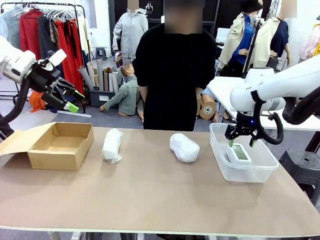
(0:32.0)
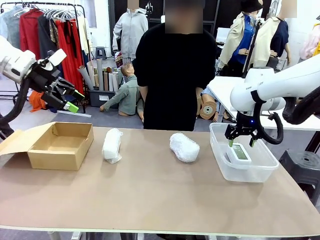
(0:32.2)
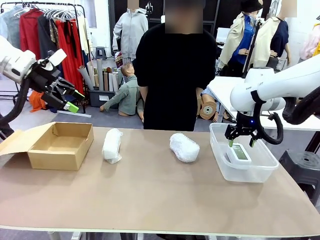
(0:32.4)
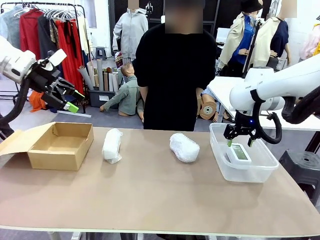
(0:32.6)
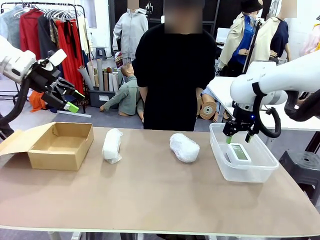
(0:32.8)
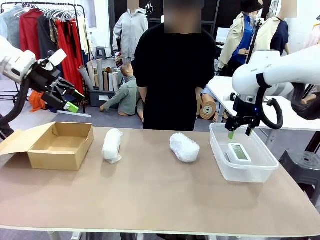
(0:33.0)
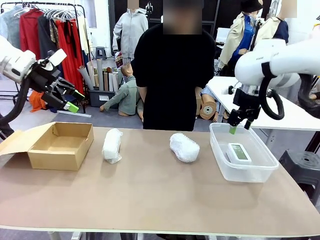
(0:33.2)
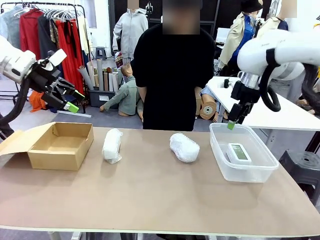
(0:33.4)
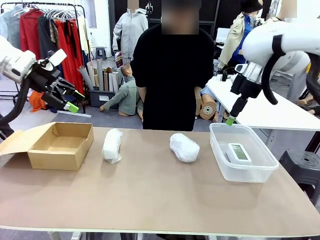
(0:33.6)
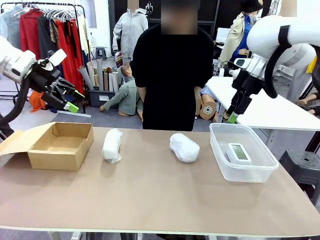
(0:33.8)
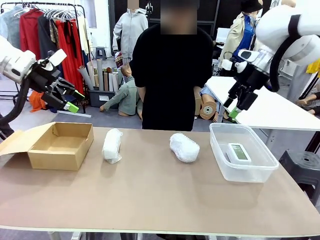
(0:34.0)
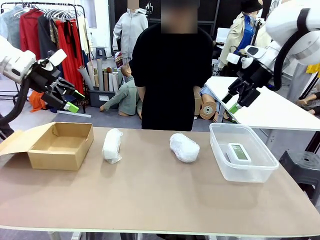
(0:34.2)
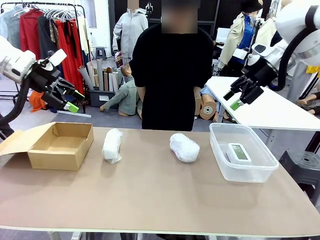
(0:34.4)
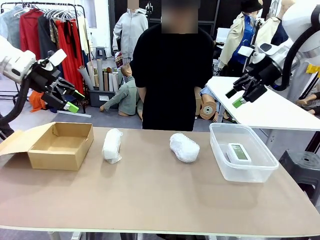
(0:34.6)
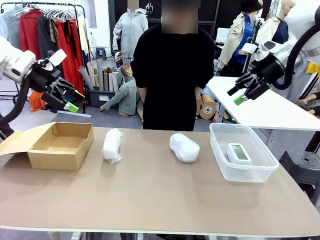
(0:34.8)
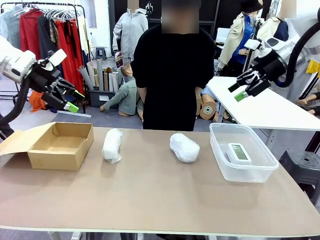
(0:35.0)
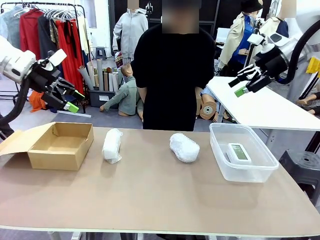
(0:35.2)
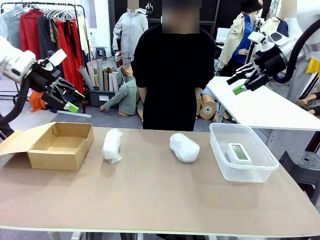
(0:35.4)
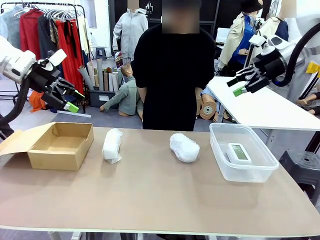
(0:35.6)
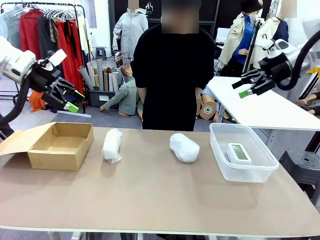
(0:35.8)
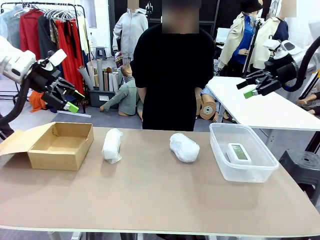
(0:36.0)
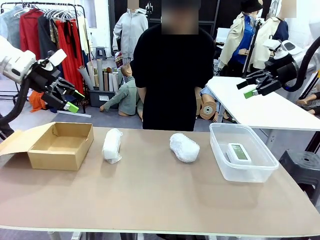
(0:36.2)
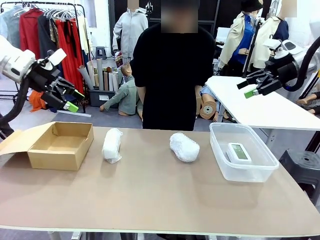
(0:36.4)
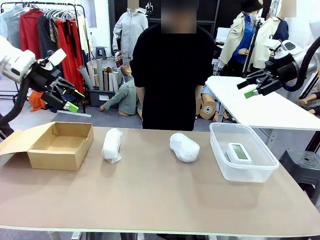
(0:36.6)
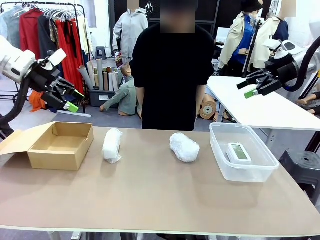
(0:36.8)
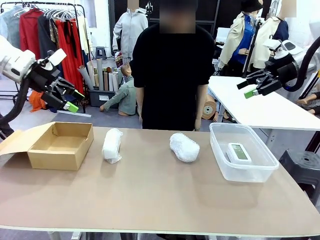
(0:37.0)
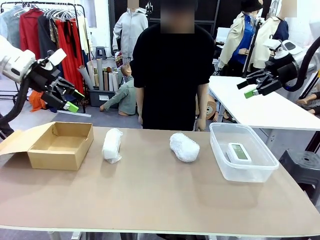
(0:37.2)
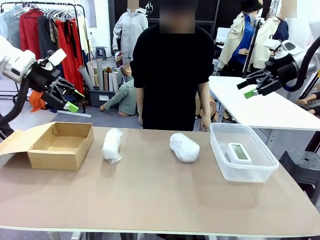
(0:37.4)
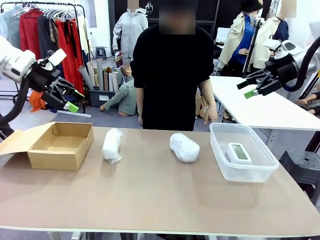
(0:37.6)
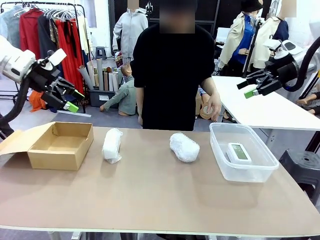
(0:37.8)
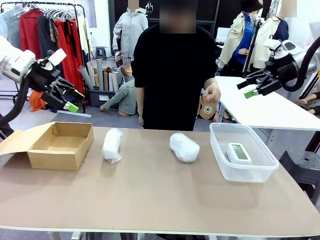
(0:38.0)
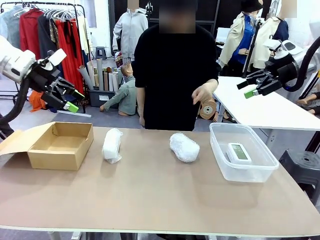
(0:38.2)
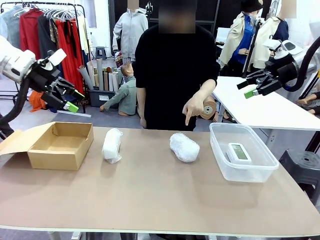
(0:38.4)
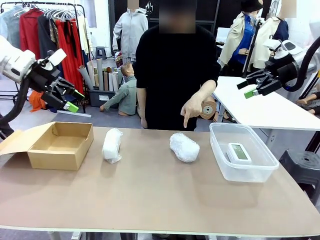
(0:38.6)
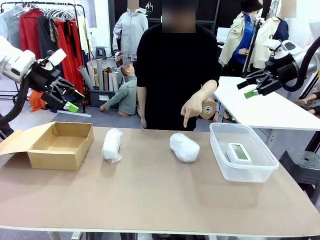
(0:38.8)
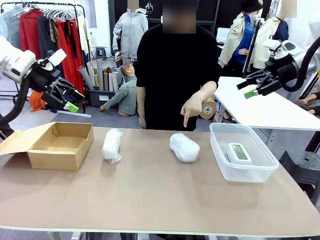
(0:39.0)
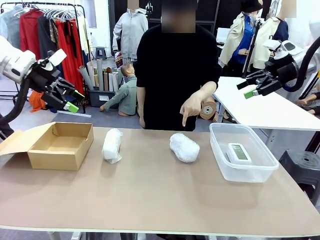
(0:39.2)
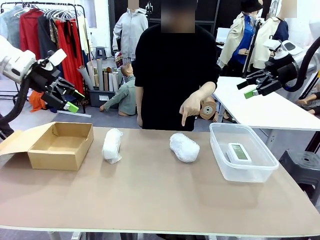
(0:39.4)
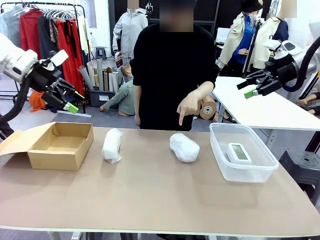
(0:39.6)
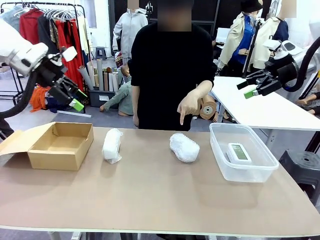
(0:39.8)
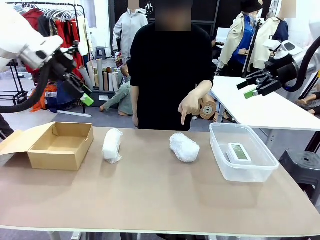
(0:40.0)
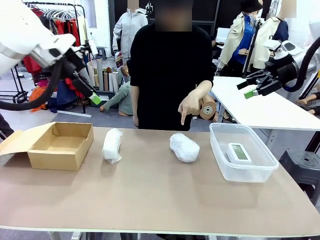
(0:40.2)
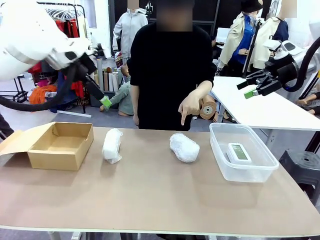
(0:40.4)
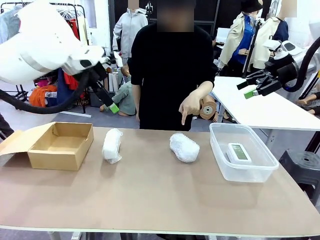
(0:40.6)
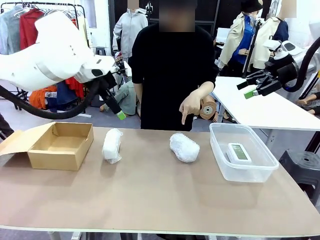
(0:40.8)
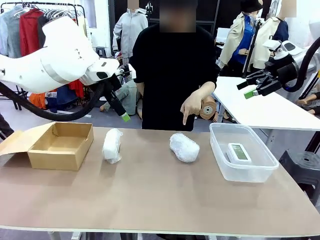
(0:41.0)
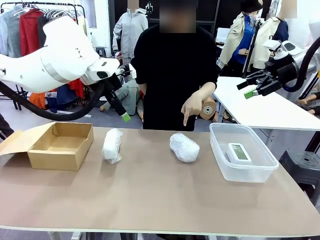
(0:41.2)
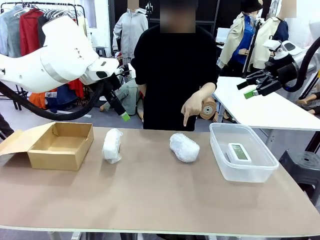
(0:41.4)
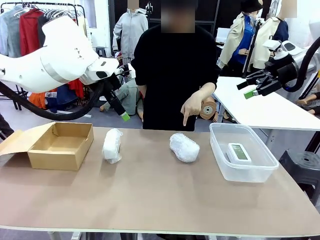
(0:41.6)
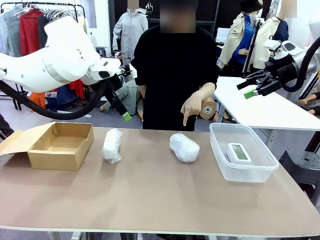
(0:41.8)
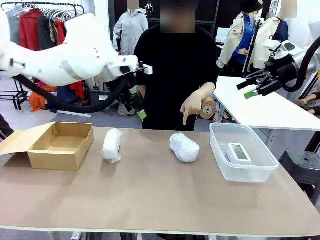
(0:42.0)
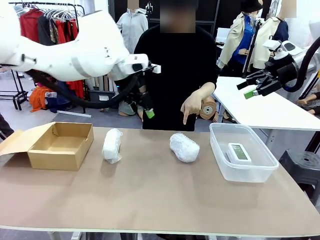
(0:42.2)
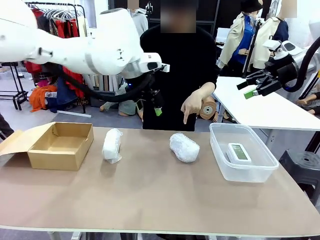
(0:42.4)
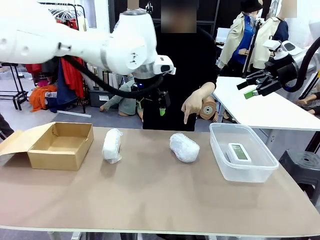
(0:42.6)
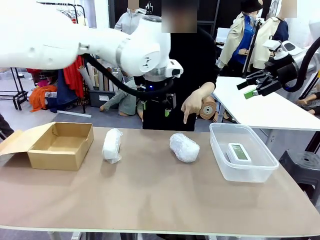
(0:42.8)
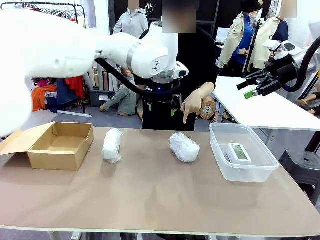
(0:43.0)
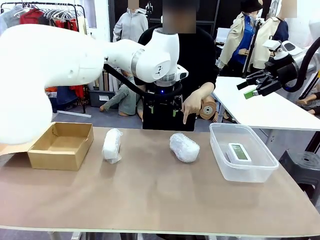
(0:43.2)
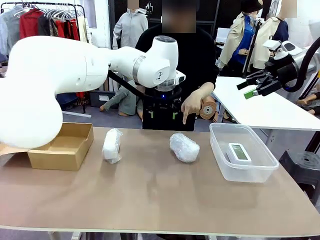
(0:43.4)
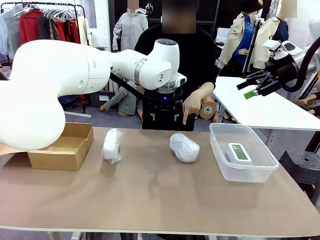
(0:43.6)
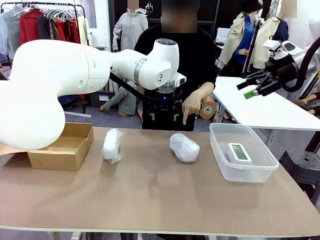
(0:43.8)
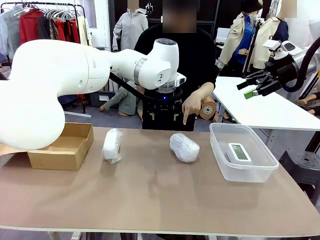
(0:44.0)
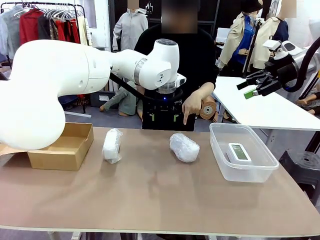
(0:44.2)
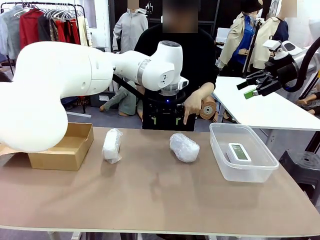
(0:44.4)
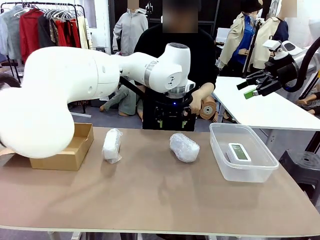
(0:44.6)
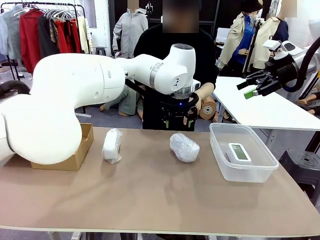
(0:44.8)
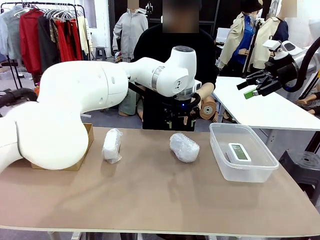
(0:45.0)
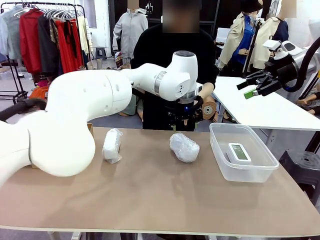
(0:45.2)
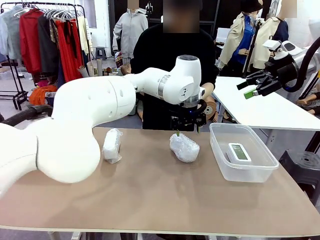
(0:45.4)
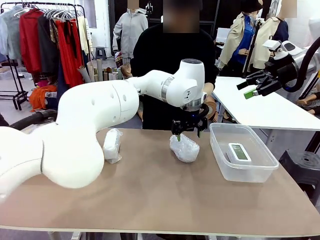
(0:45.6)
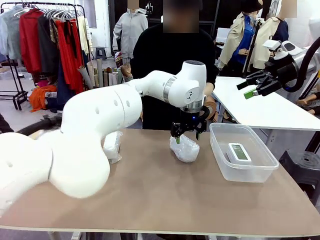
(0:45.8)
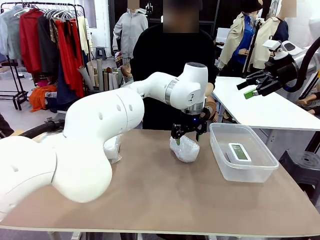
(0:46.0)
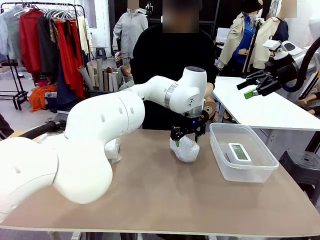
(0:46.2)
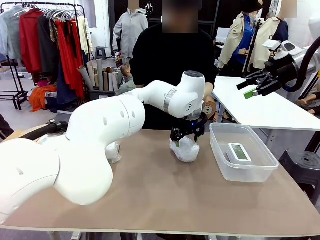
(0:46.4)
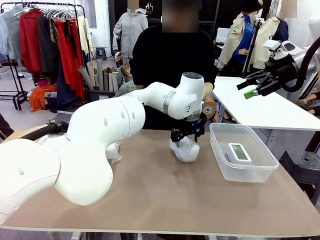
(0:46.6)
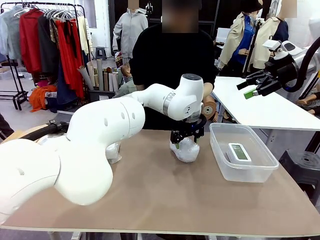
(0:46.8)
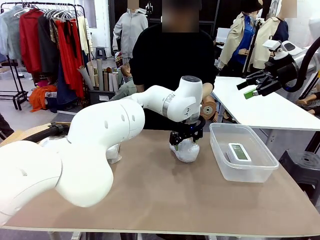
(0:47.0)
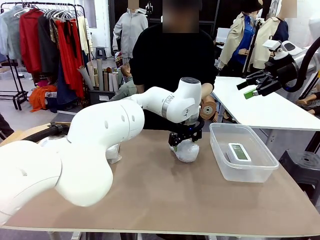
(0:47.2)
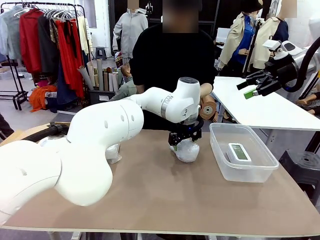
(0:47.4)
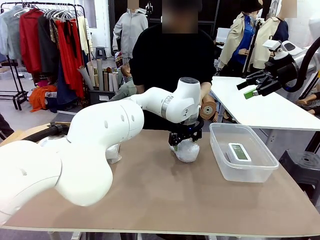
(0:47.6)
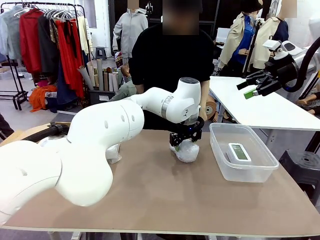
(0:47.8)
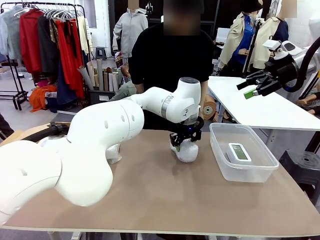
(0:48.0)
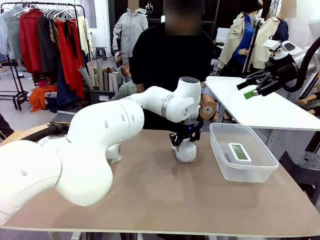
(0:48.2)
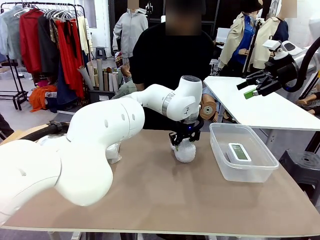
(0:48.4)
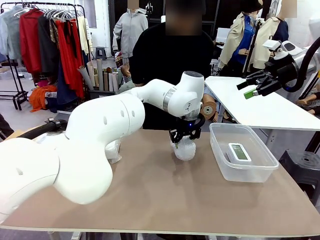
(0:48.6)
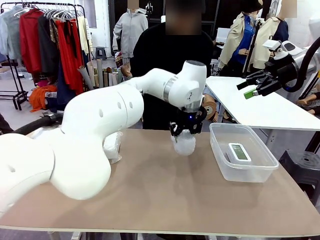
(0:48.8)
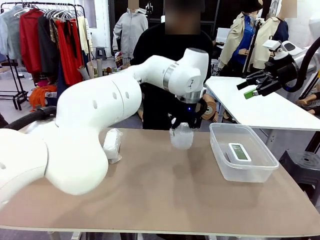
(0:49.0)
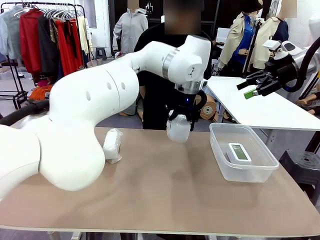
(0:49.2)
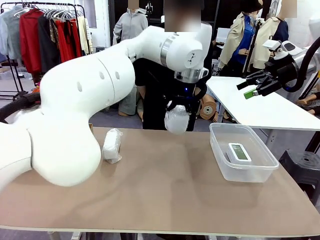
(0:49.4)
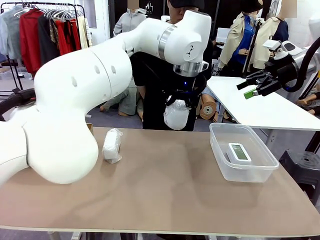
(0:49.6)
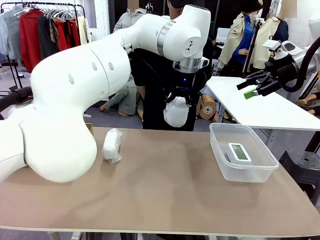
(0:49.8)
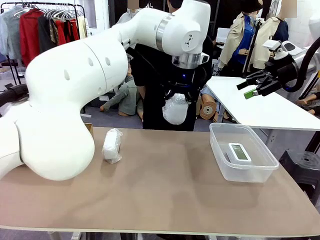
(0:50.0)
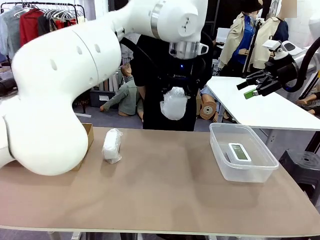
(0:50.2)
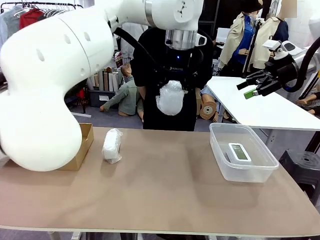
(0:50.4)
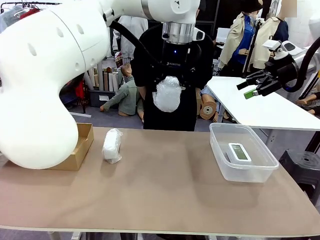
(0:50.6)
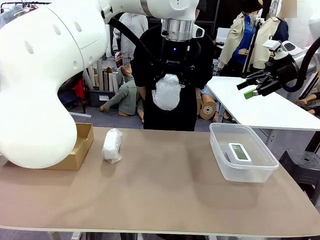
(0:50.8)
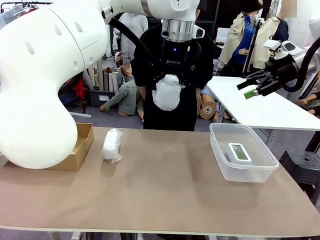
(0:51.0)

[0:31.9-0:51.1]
Task: Separate and place wrapped and unwrapped clocks.
Robot: Pick up the Digital clock indicated by the person.
